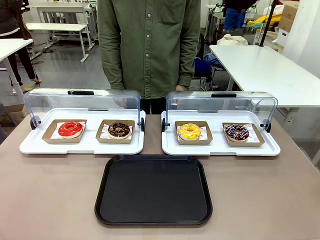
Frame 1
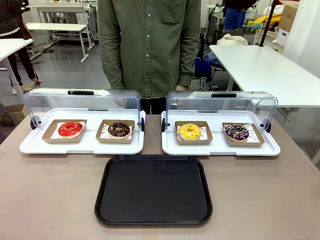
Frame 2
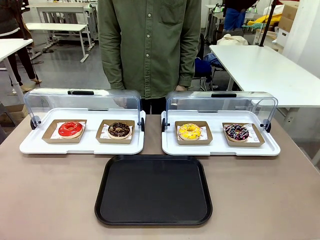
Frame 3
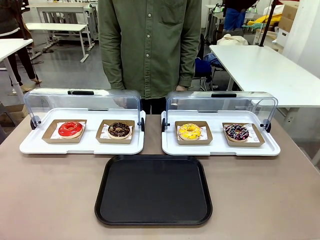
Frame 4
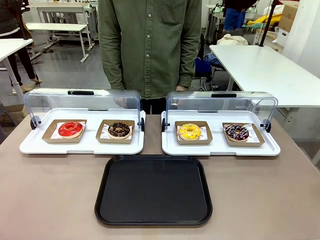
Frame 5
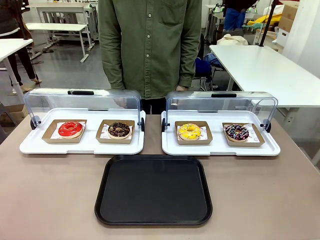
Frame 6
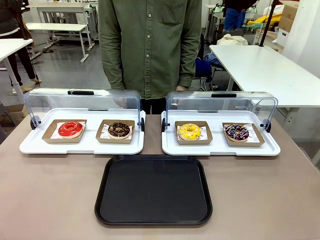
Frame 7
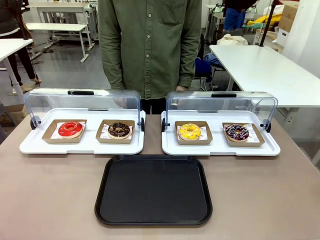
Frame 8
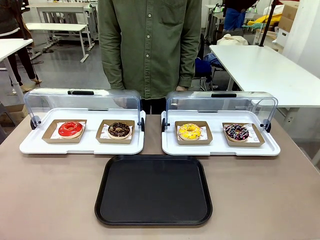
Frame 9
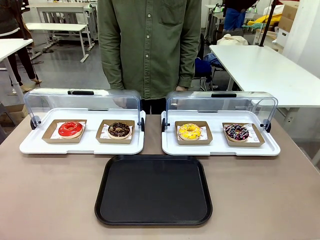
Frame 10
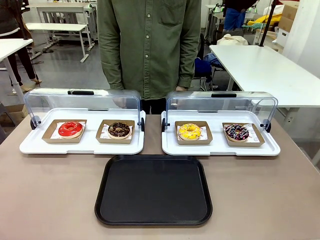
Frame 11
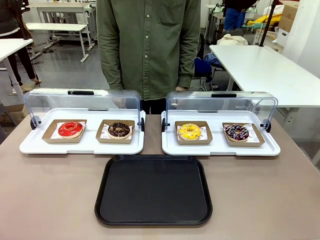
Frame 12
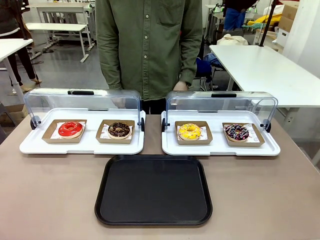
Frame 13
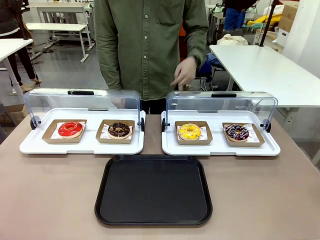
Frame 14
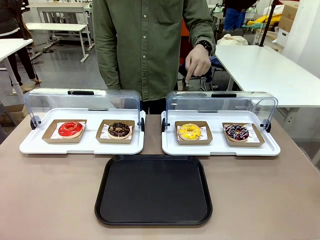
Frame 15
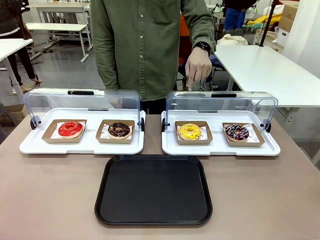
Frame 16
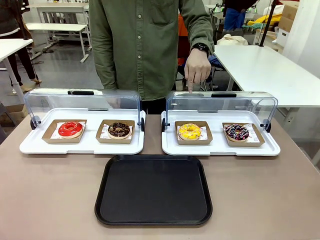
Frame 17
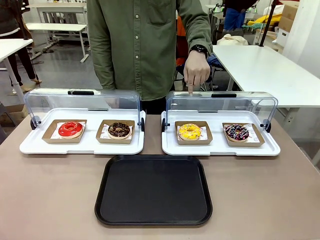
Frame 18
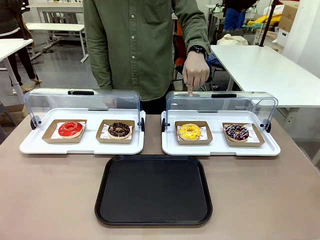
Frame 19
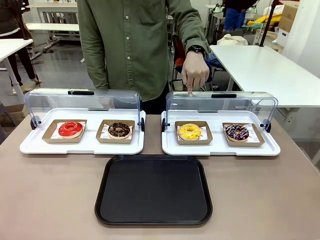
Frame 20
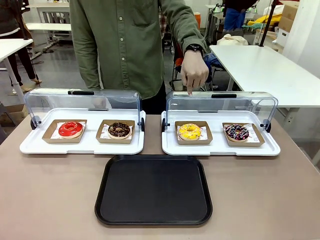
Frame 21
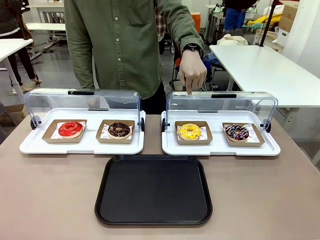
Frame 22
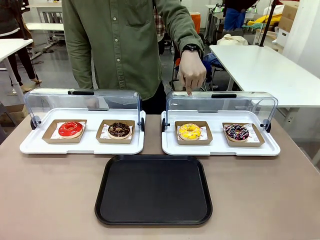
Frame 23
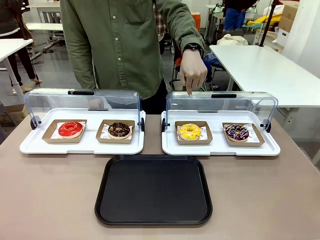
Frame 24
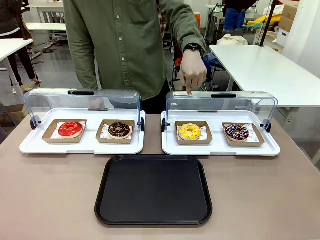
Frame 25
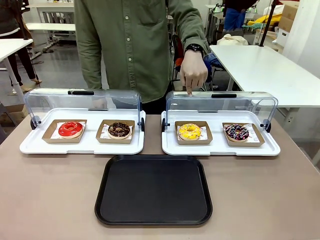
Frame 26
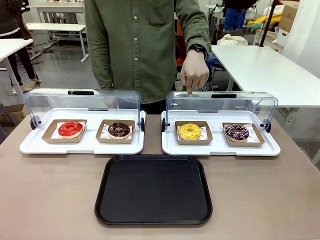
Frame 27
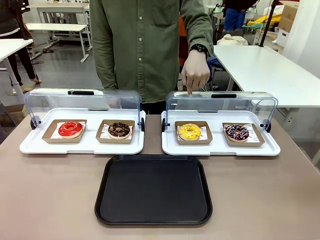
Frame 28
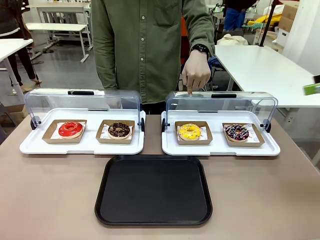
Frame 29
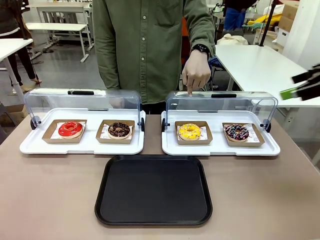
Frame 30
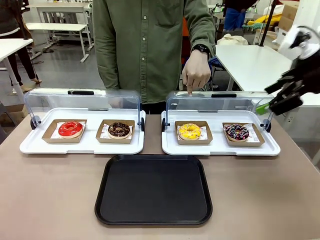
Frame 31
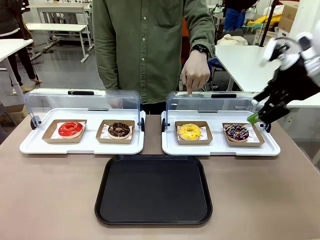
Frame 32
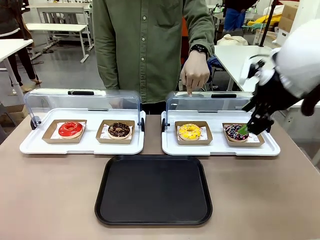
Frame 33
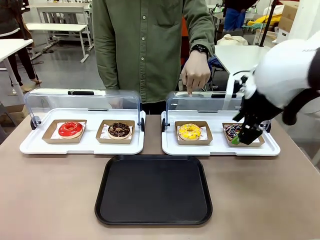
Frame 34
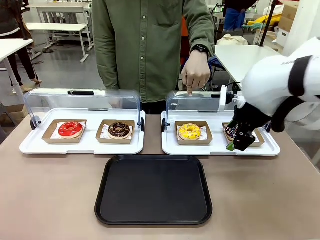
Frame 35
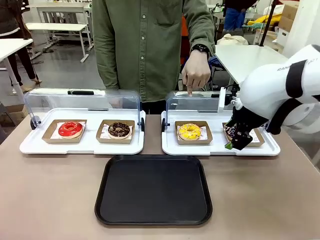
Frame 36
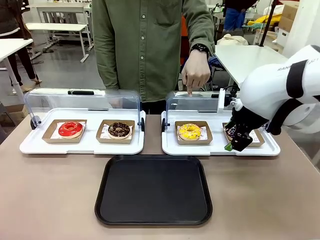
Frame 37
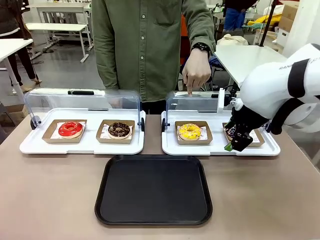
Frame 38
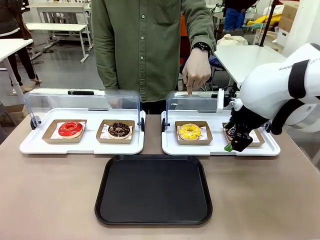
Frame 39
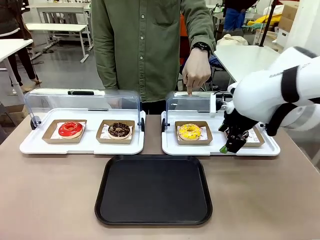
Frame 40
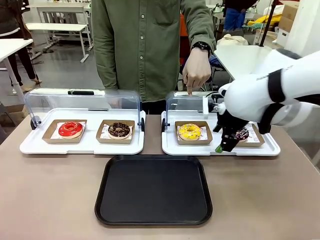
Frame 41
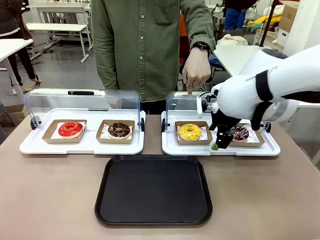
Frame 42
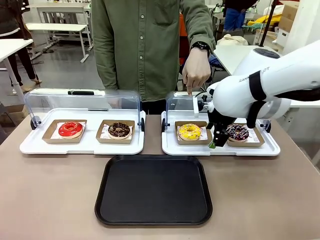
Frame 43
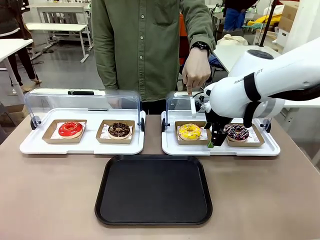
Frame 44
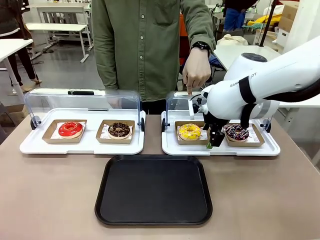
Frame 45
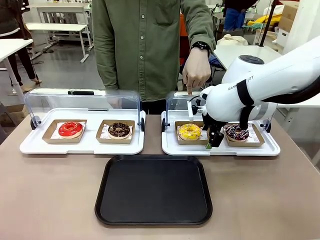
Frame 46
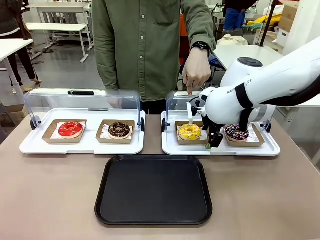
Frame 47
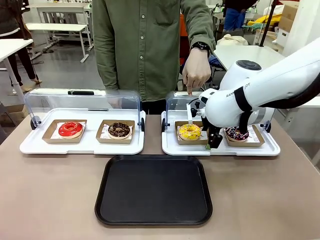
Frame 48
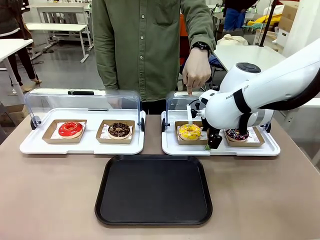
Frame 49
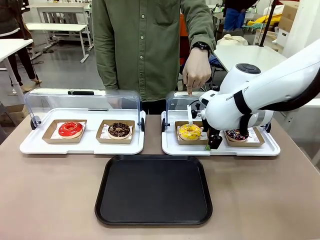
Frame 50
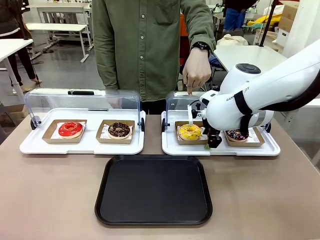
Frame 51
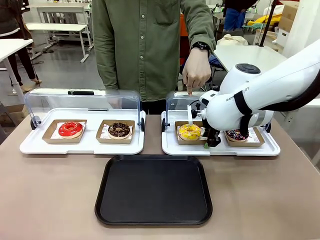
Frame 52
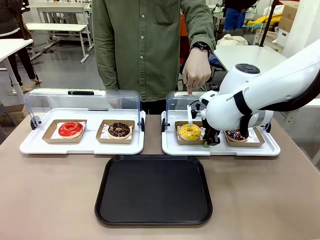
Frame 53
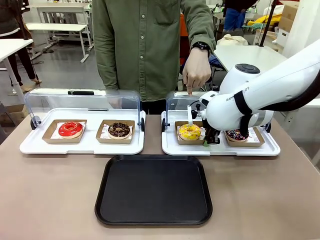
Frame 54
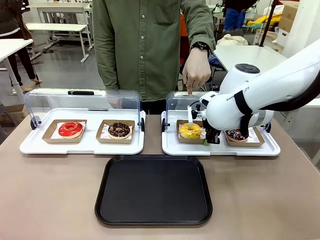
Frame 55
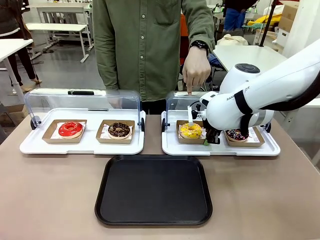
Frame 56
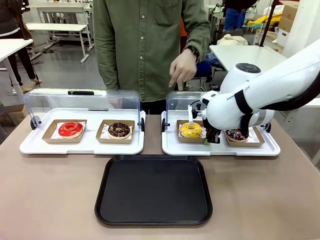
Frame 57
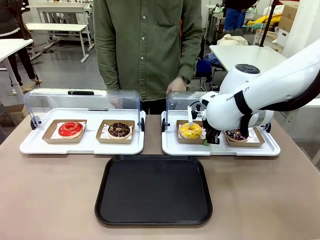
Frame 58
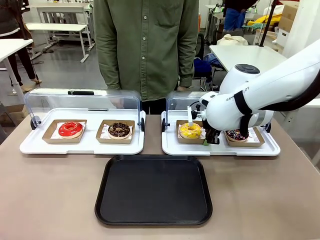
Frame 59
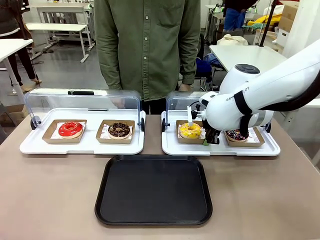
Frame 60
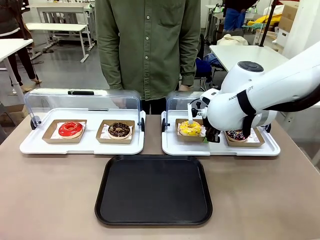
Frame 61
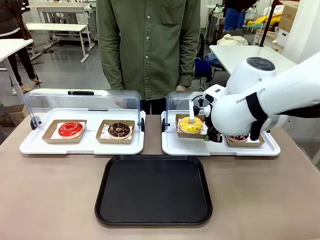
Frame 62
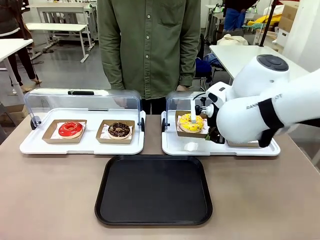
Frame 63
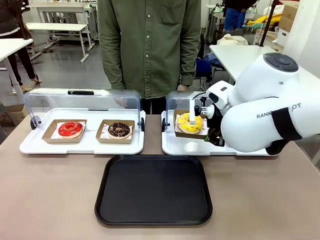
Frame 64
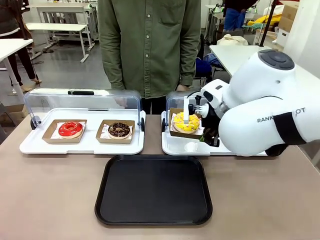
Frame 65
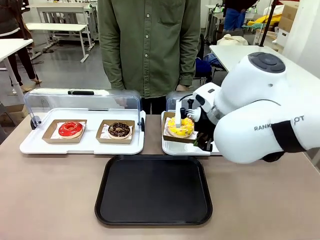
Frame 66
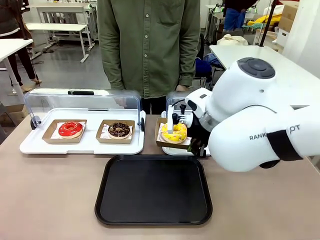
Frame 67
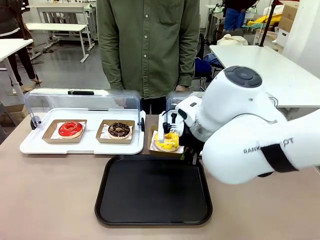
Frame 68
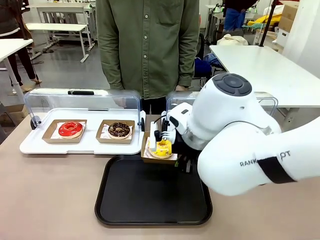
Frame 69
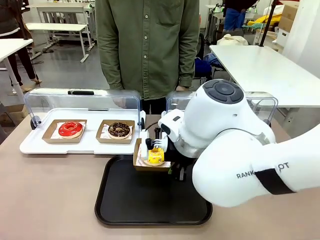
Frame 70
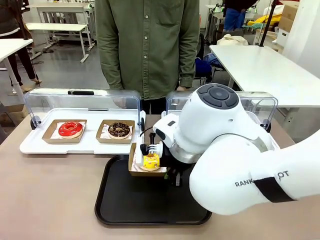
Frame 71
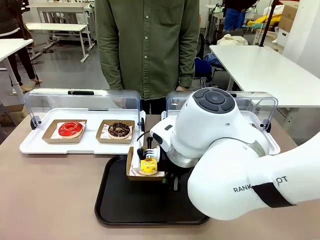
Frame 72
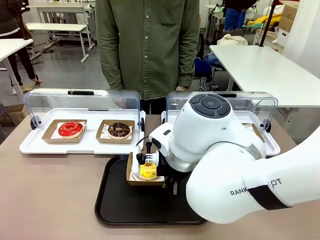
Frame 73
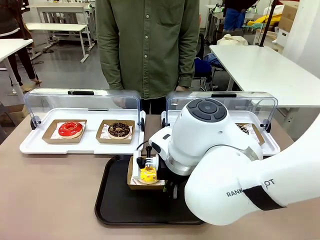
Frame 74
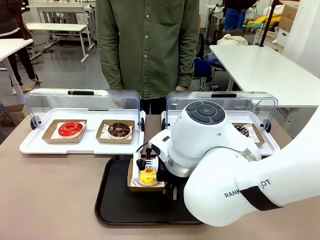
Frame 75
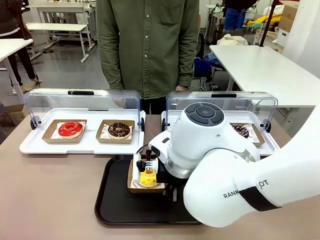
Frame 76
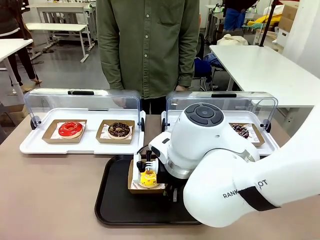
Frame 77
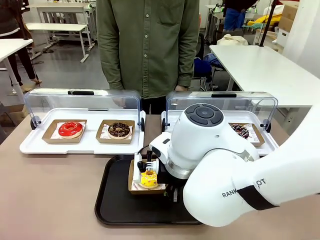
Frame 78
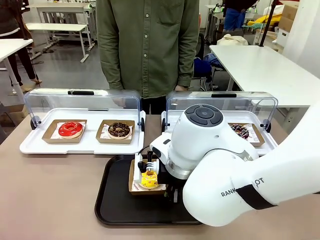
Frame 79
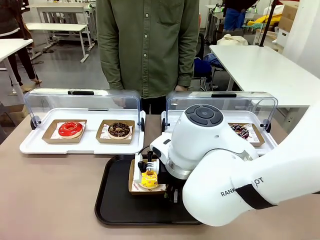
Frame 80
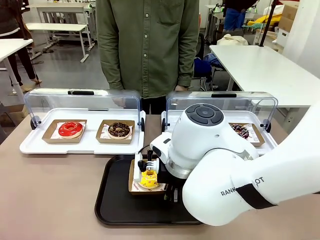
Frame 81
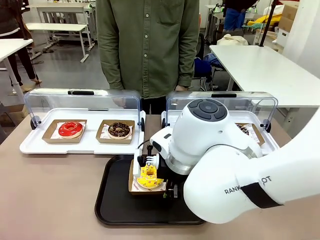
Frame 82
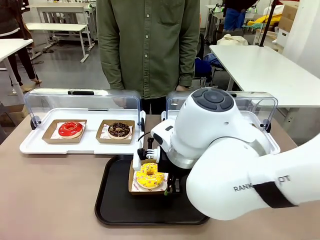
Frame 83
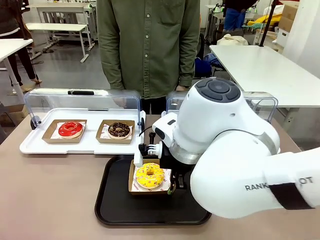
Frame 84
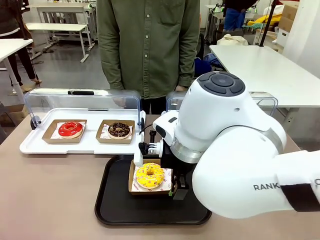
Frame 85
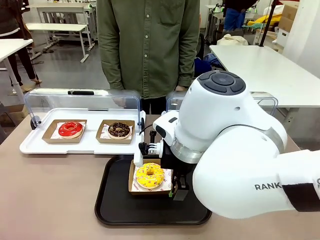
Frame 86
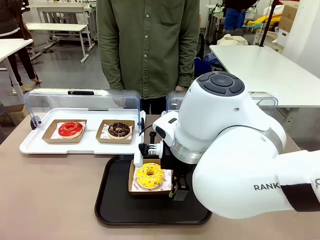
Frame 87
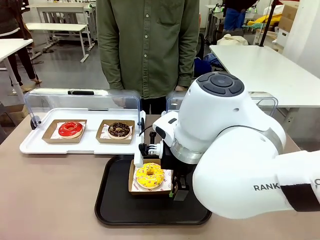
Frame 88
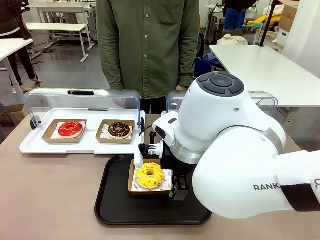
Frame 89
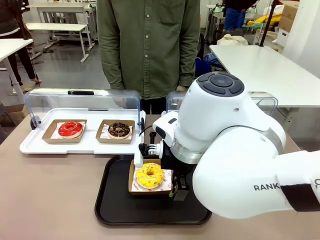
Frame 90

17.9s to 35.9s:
Task: Move the third donut from the left to the tray.
Robot: Pick up the Paper togo box containing the Donut indicated by the person and place it on the Handle tray.
Person: Points to the third donut from the left from the robot’s perspective.
